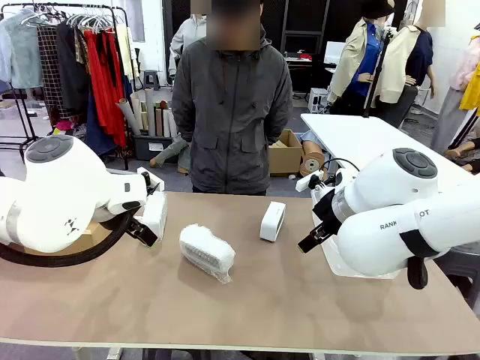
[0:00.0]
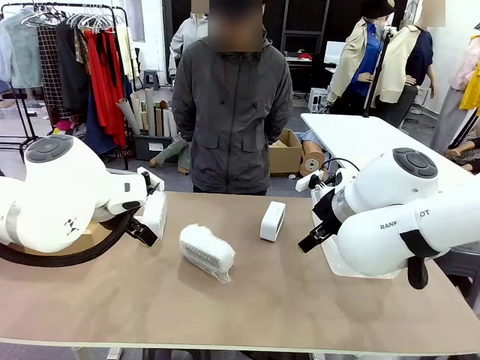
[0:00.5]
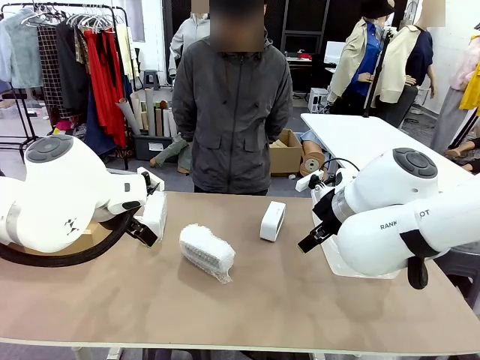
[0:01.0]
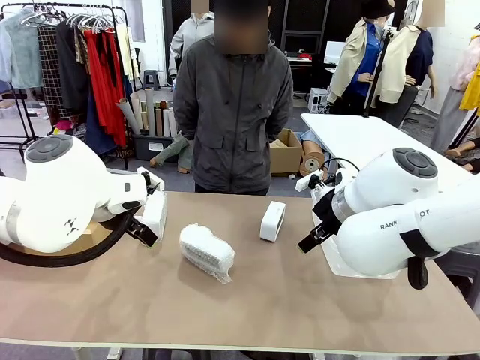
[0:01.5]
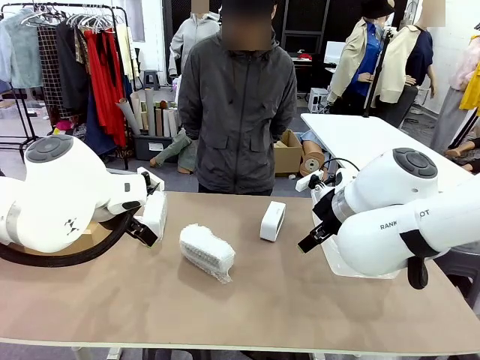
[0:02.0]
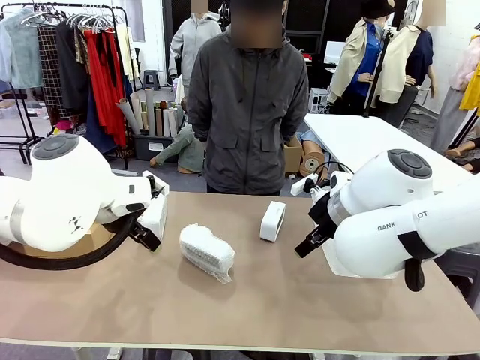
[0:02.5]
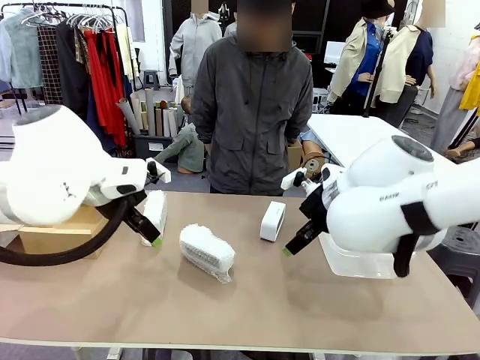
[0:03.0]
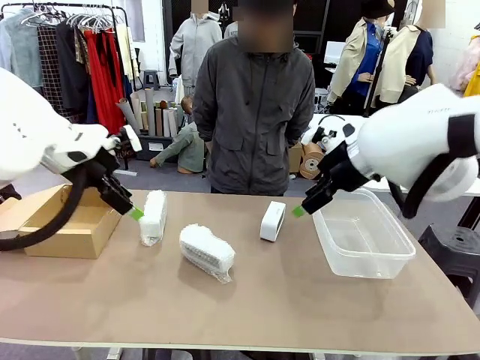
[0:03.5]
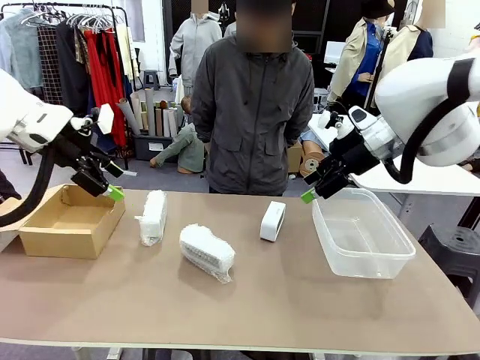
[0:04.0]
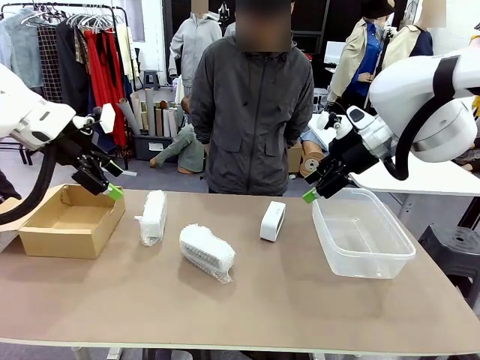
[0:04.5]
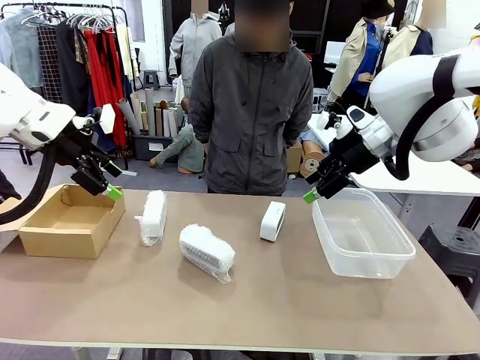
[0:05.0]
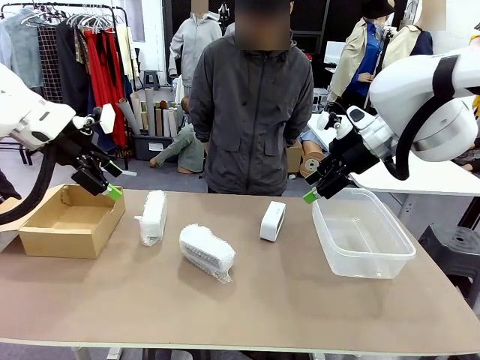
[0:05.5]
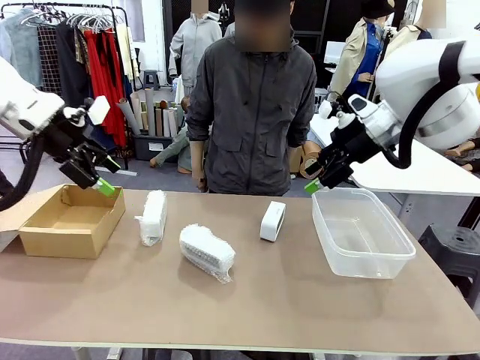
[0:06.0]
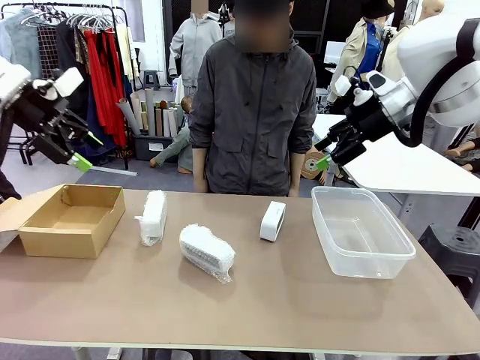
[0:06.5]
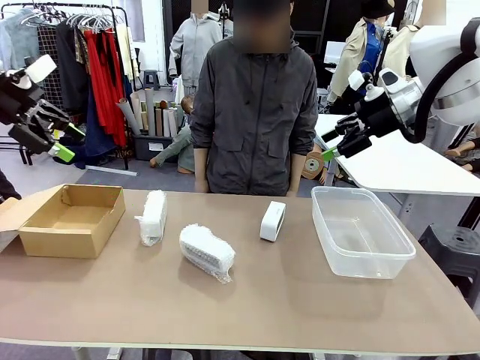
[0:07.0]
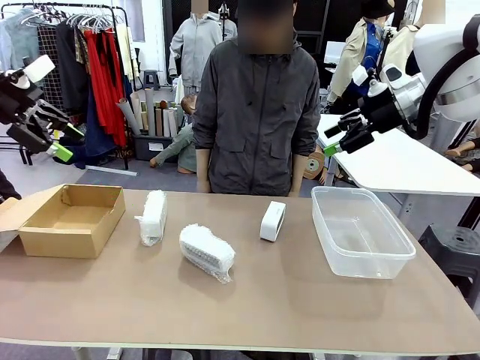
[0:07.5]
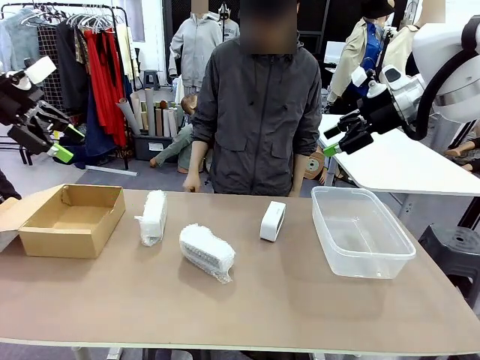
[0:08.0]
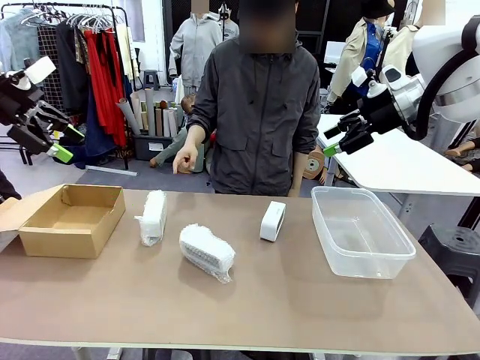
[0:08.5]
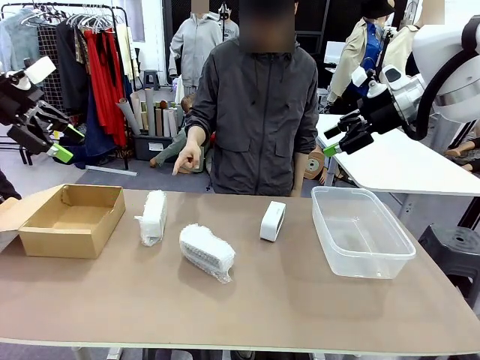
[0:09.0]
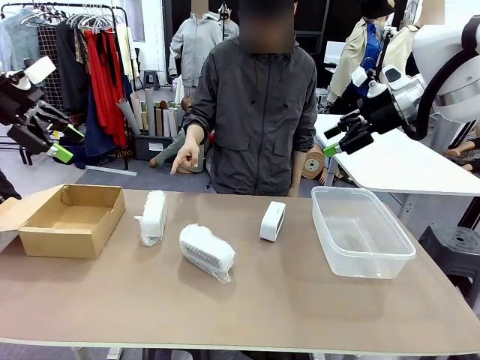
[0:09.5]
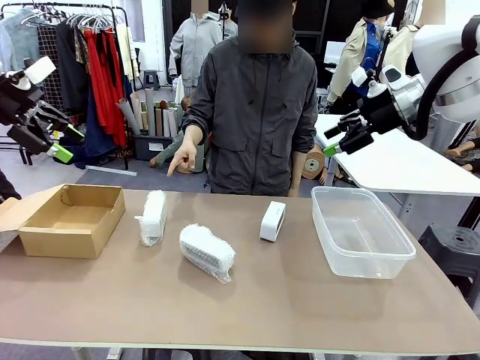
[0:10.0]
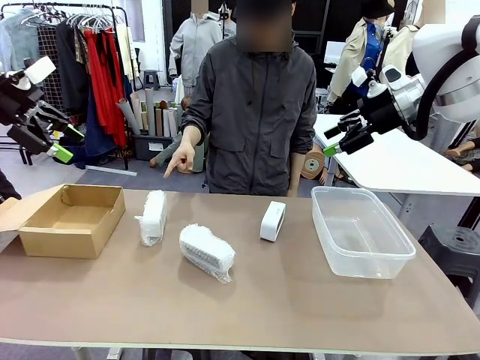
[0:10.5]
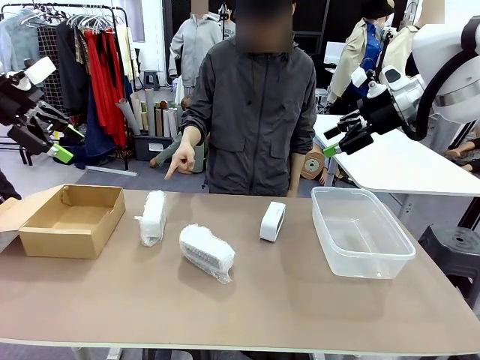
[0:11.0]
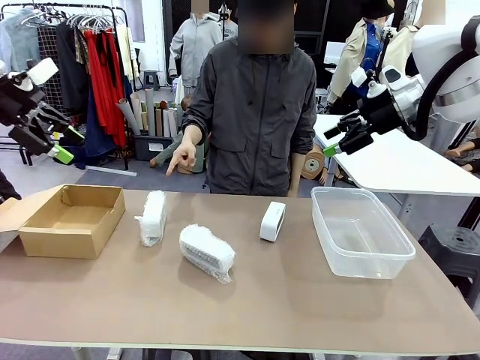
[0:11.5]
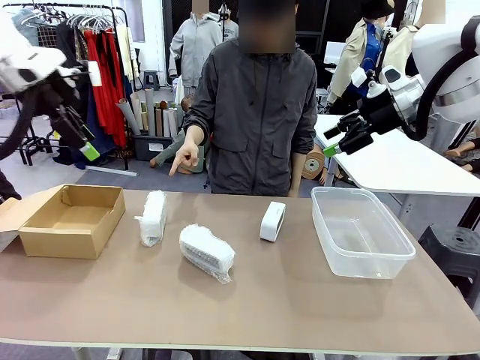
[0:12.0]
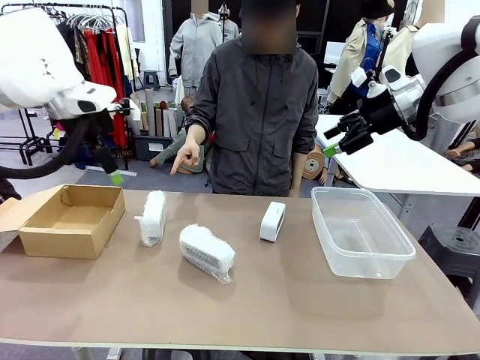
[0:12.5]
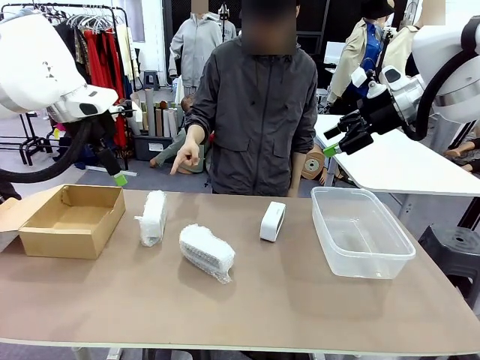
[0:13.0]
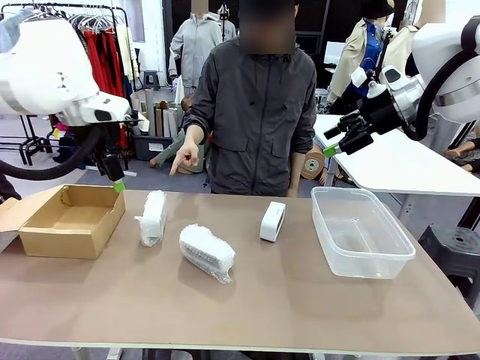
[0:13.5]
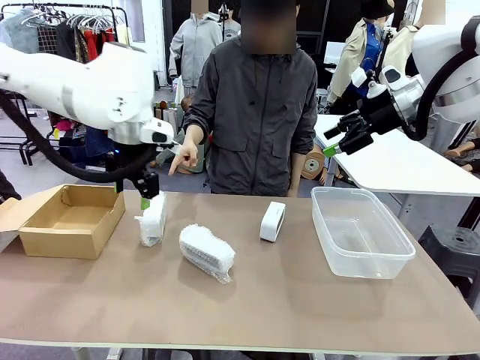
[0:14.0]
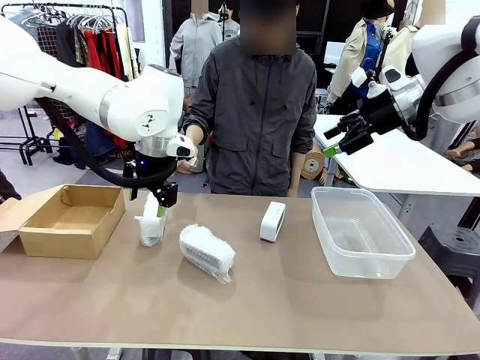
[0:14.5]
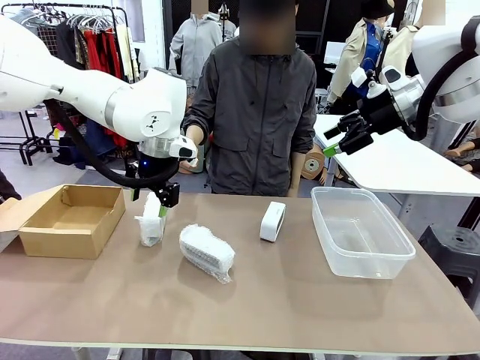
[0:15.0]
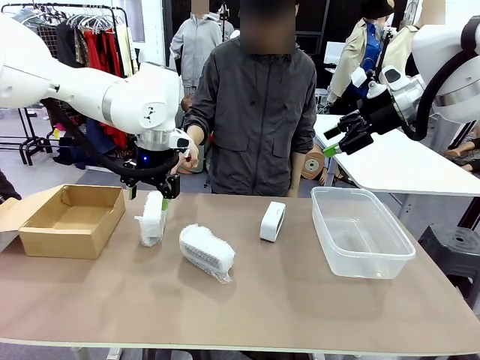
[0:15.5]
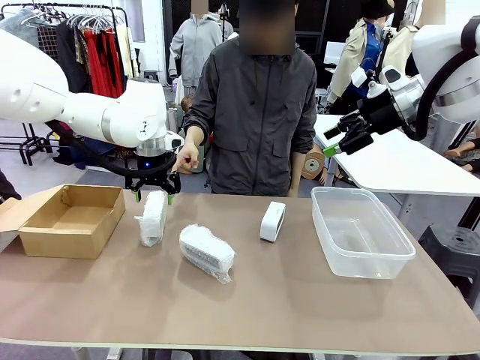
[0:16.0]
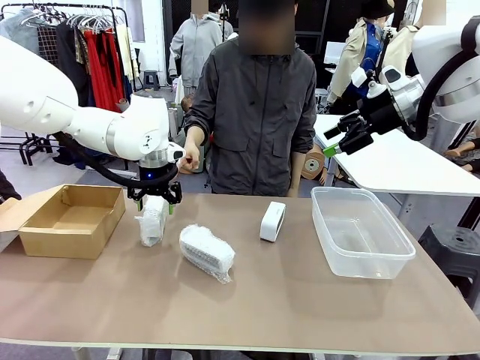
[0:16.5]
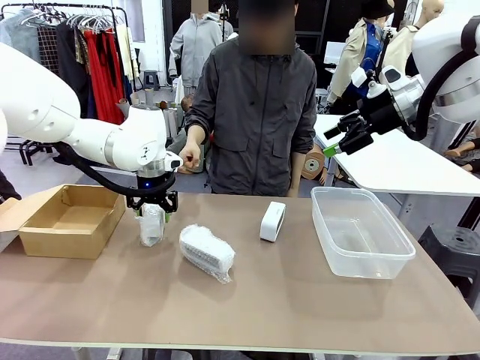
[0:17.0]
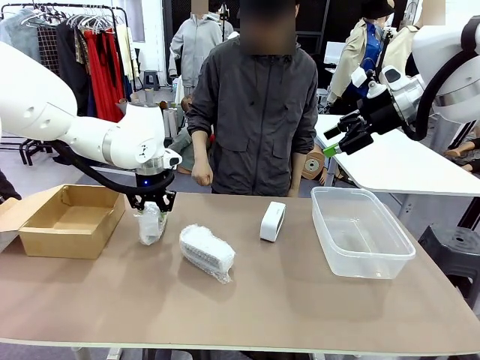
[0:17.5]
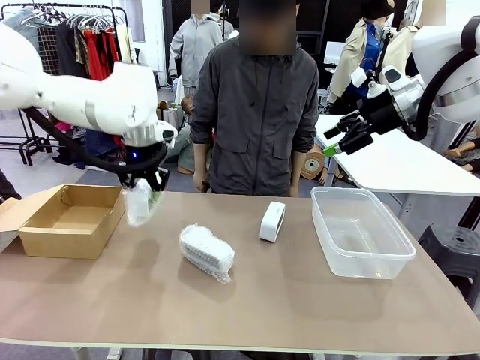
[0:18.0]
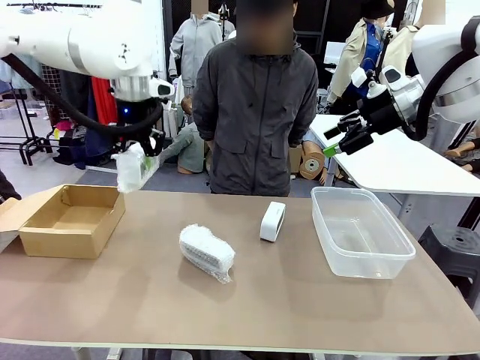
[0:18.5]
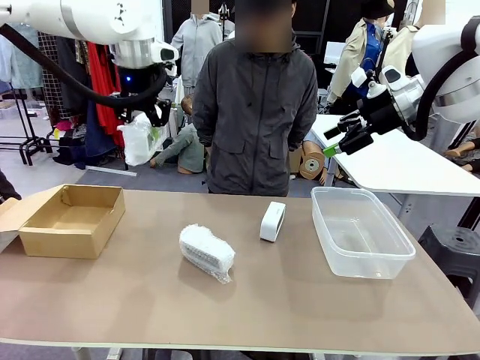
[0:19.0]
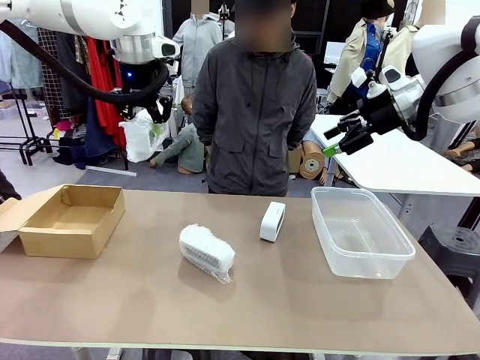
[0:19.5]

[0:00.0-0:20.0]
Task: Separate and place wrapped and unwrapped clocks.
Robot: Pick up the Digital clock indicated by the person.

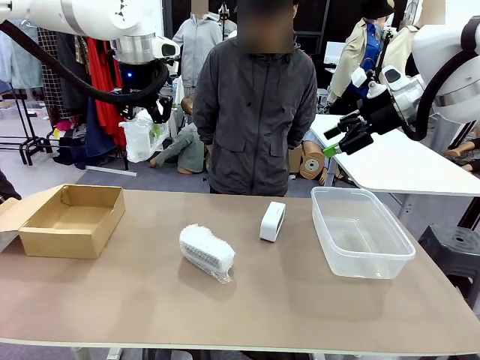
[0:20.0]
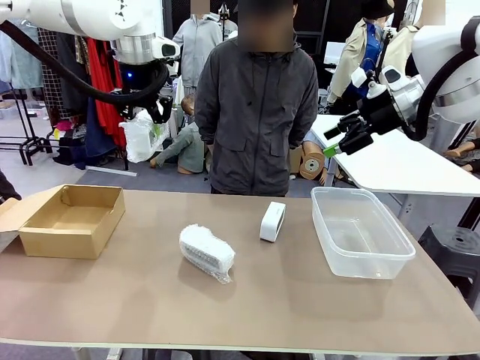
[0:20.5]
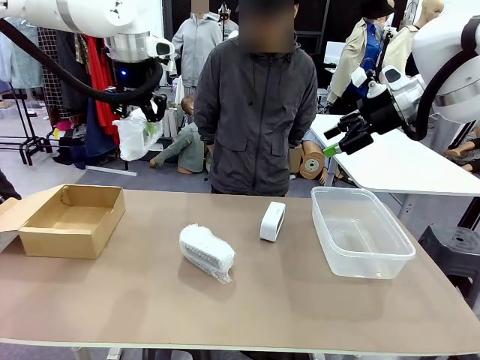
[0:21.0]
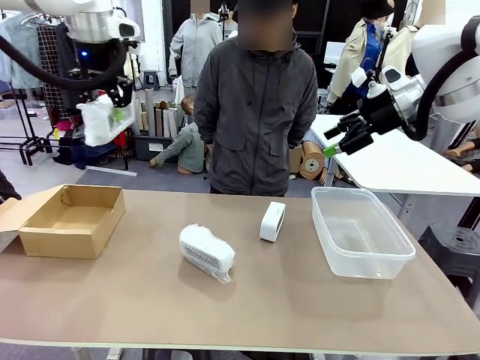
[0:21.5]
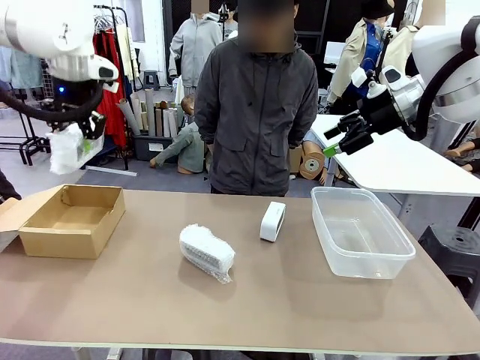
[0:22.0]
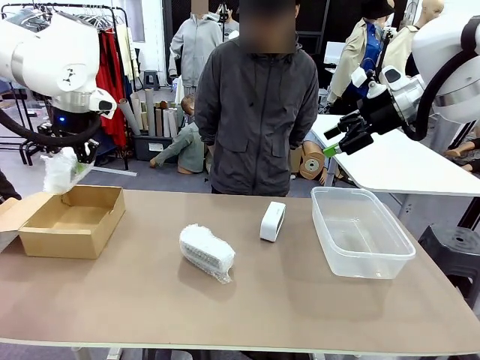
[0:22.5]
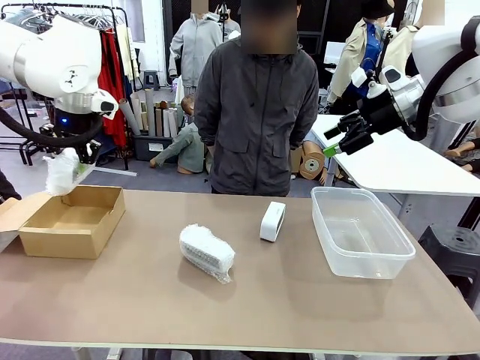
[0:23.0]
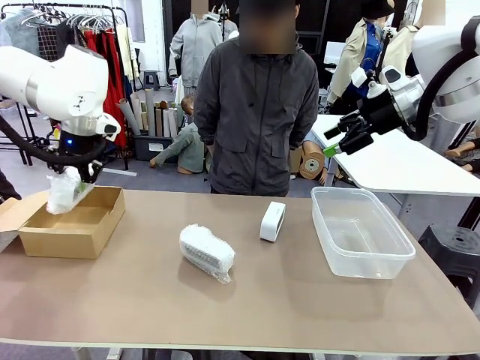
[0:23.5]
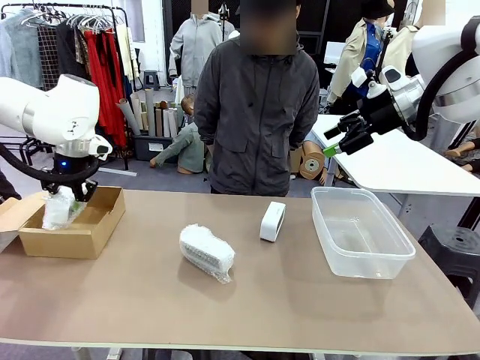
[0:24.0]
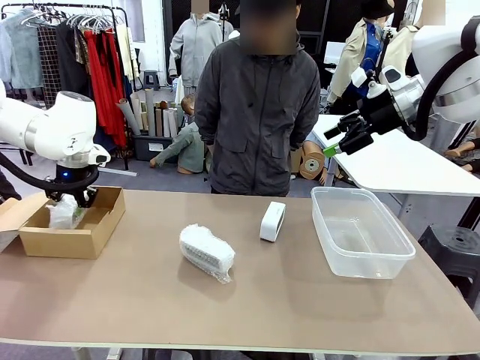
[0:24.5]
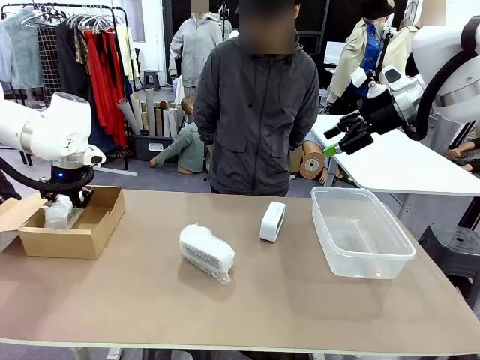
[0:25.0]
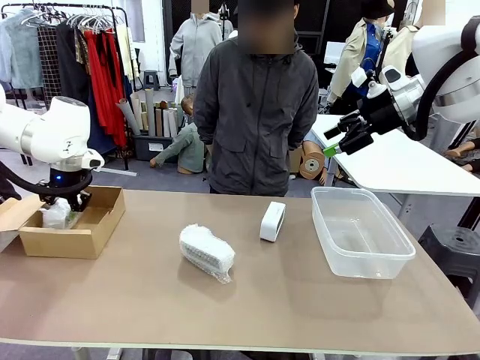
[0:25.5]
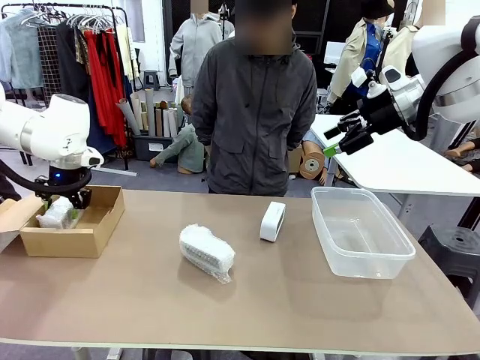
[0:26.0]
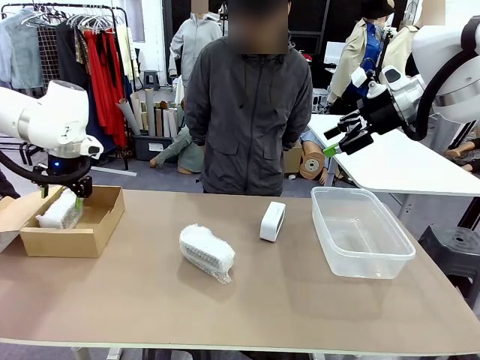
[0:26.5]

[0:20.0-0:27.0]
Robot: If the picked Digital clock is wrapped, place it in the Package Box ; if not, place it in the Organizing box.
